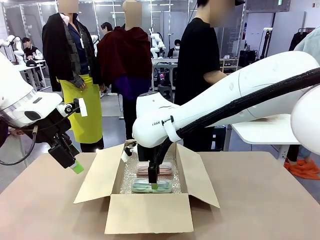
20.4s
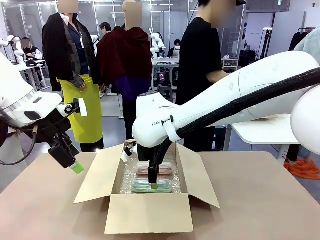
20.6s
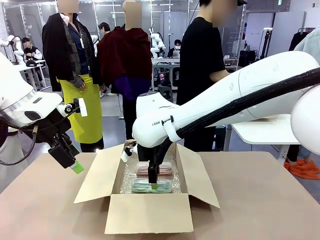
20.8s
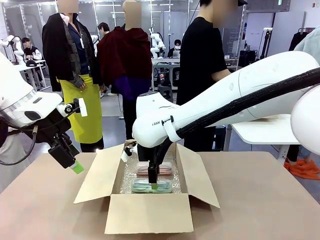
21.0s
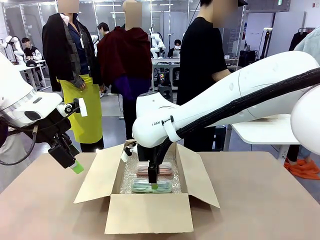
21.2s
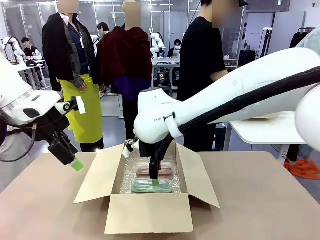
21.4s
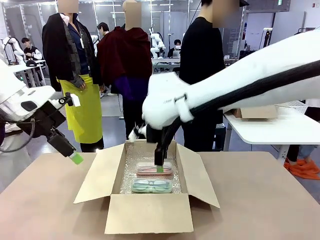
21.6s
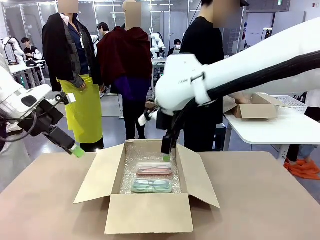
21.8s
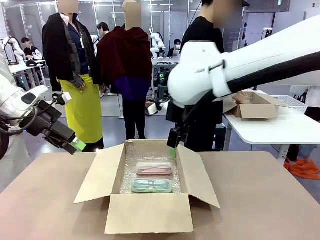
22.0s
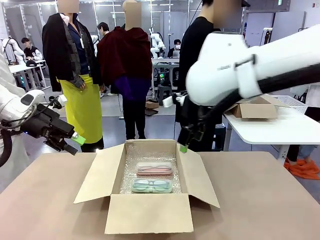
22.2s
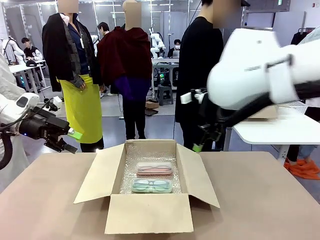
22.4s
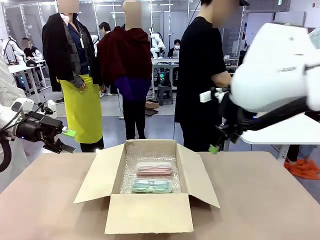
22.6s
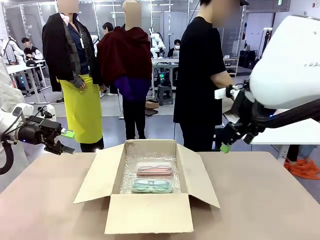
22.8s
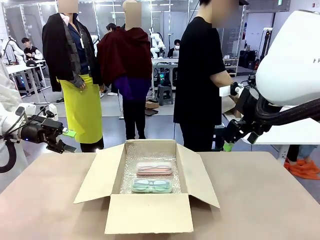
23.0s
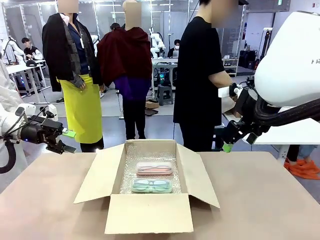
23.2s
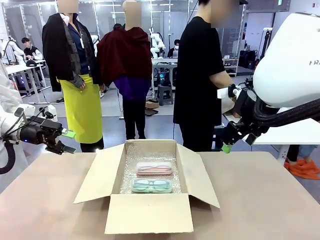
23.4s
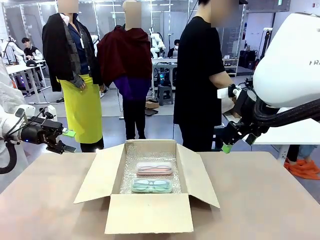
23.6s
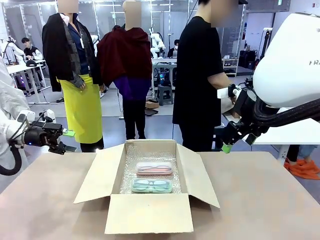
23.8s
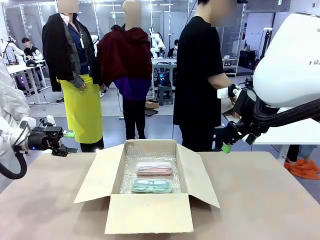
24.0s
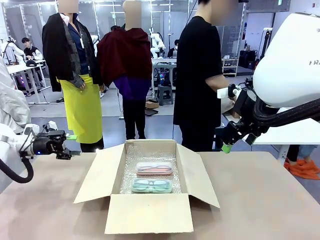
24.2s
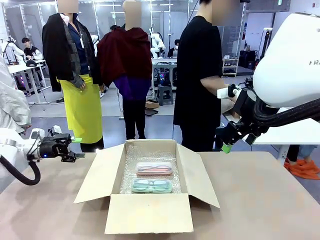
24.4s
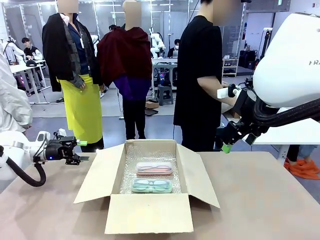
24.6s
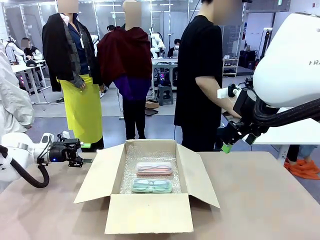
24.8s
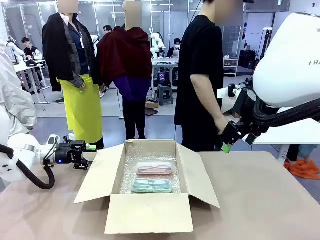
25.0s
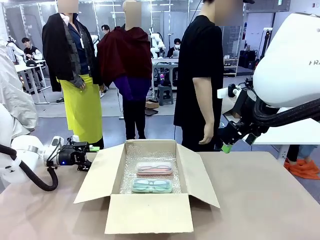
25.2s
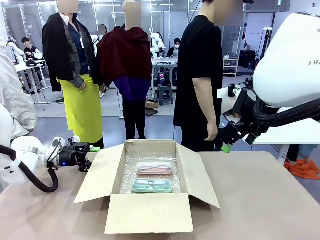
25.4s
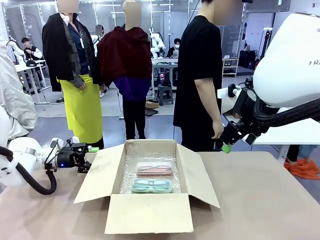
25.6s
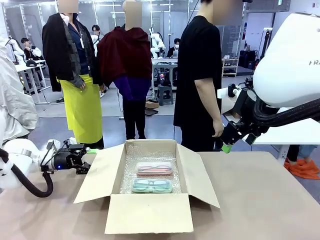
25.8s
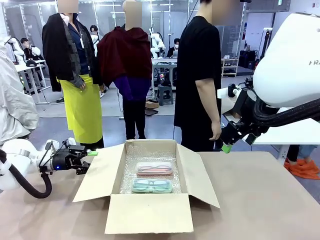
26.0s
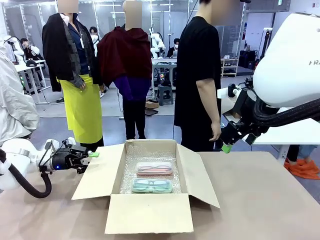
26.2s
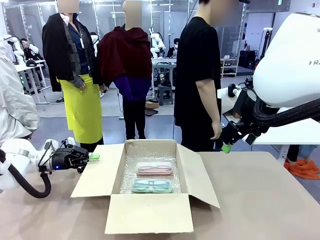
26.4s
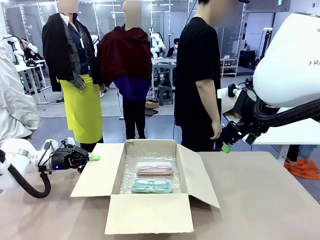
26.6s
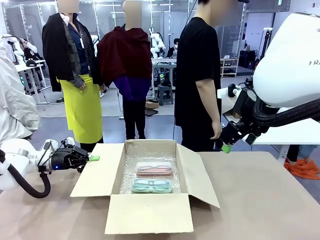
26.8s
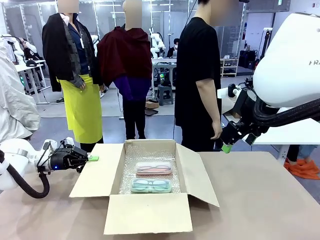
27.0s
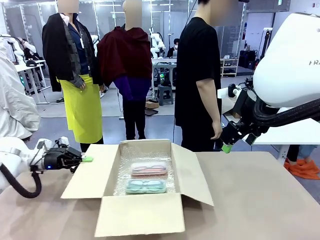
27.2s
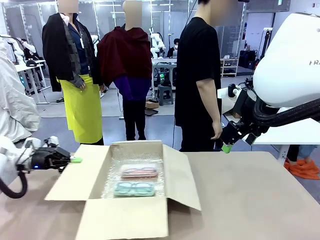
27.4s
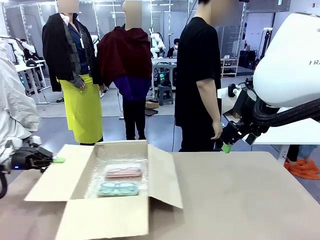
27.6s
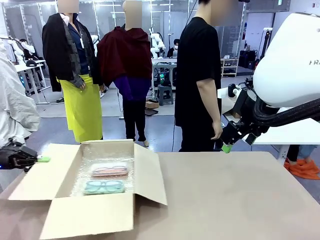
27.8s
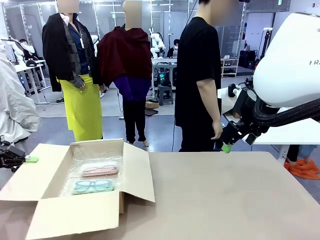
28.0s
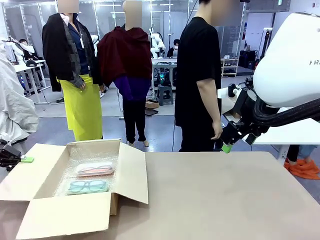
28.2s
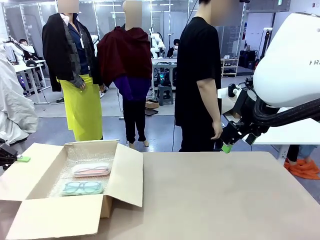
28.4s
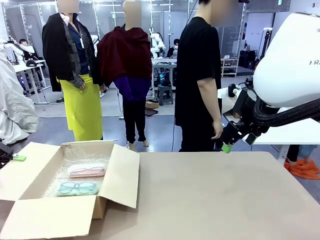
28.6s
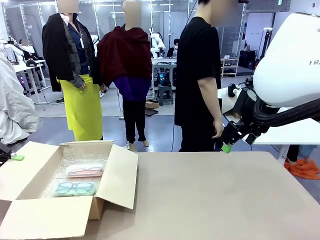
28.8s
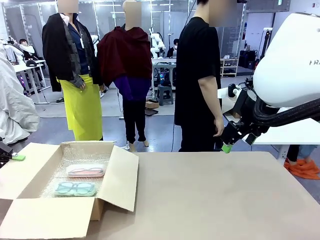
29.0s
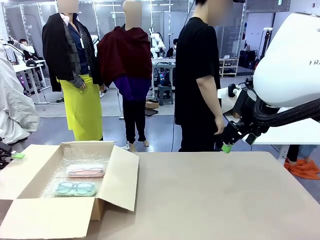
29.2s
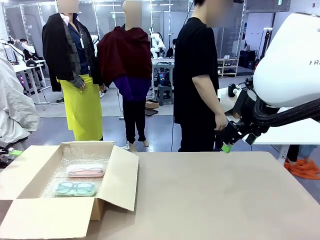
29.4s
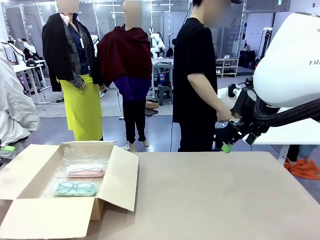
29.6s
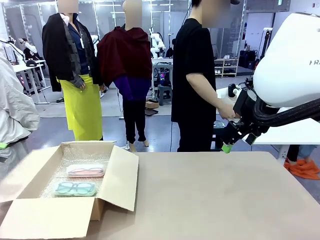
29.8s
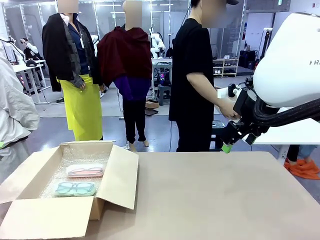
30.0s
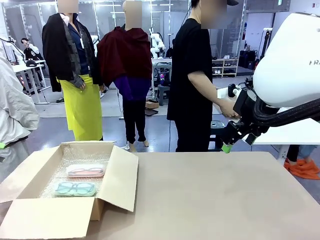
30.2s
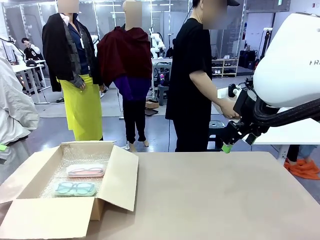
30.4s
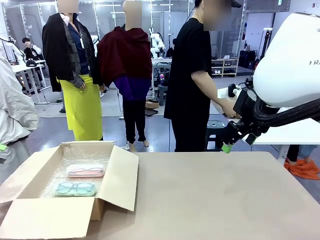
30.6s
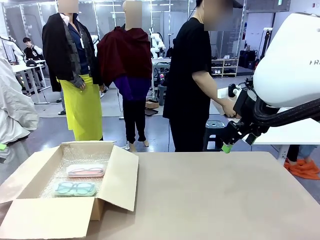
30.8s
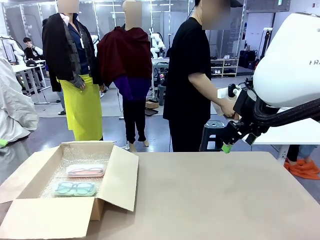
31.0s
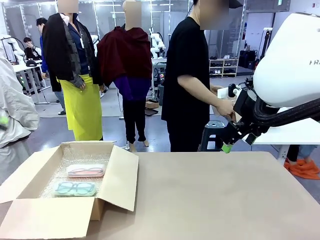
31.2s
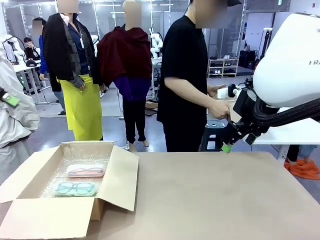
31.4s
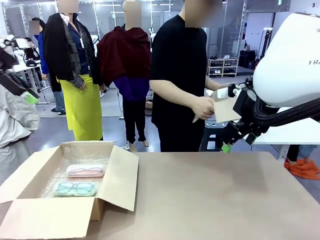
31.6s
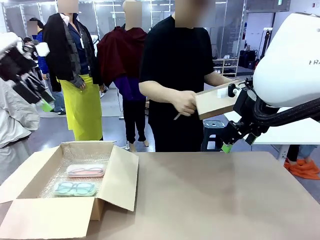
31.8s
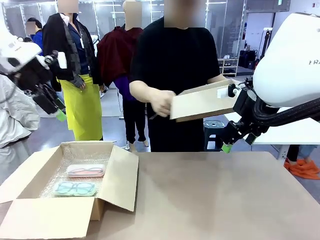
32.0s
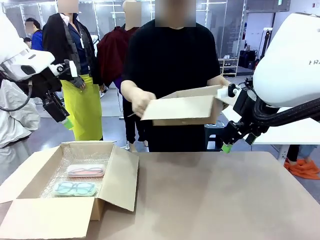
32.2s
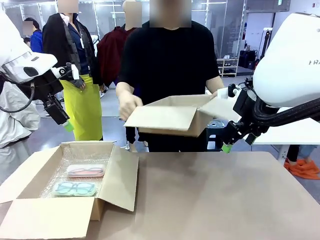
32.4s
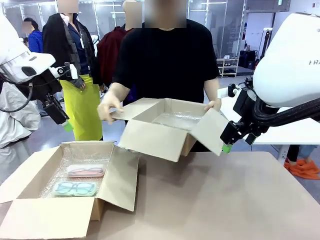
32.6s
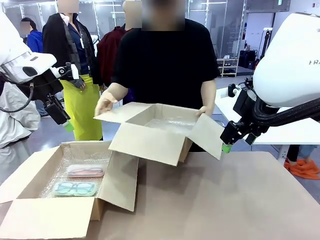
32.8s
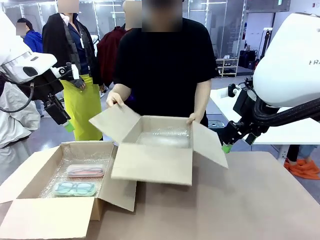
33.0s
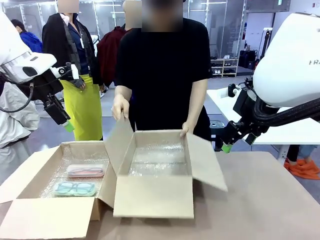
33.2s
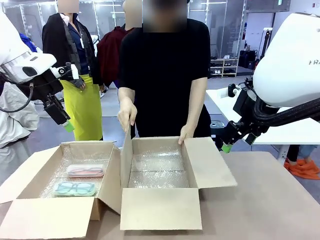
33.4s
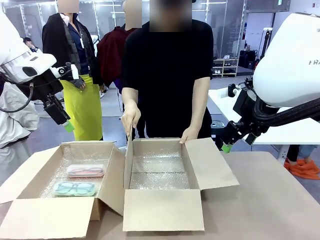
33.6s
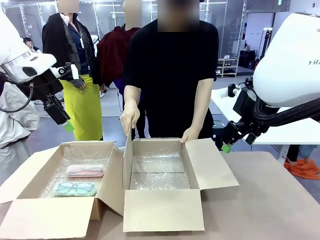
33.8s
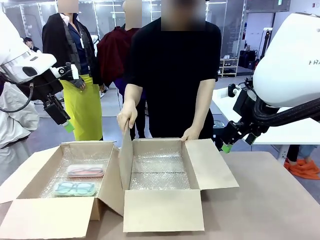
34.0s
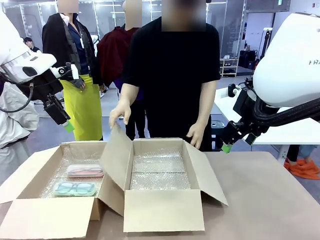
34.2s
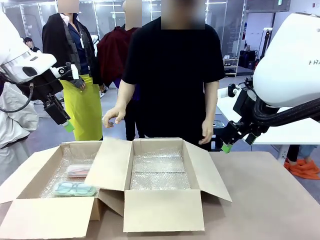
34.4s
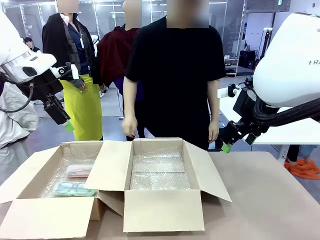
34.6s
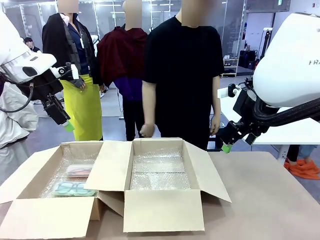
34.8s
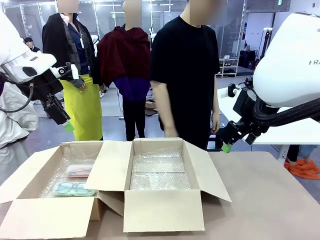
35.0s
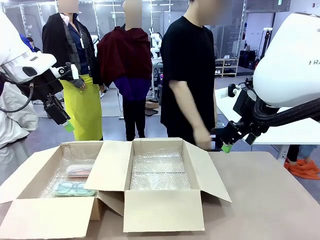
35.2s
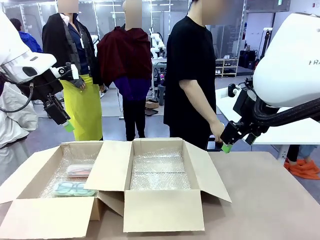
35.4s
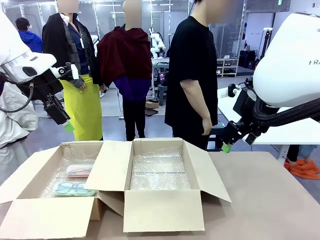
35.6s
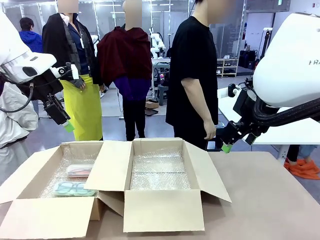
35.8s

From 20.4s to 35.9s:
Task: Pack the glasses set securely to prepare it for shipping.
Robot: Position the Package Box on the left side of the table.
Person: Position the empty Package Box in the middle of the robot's table.

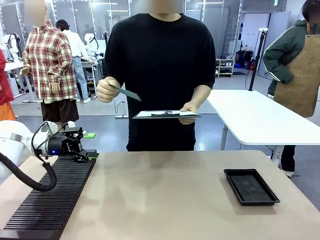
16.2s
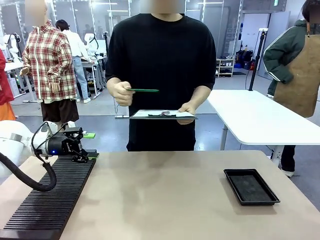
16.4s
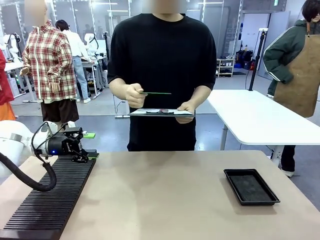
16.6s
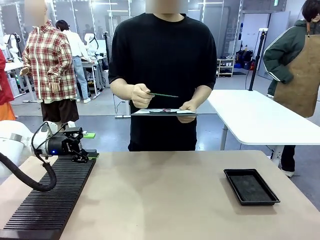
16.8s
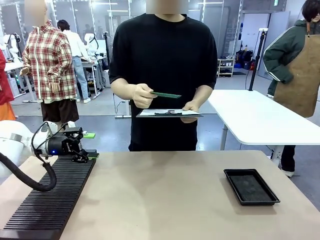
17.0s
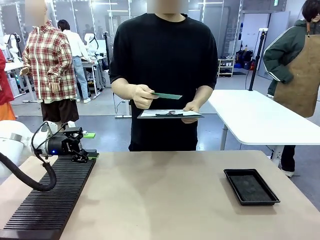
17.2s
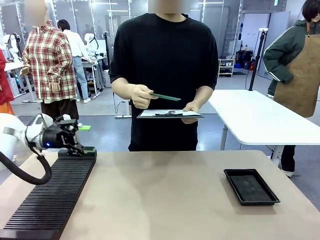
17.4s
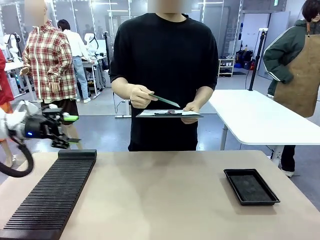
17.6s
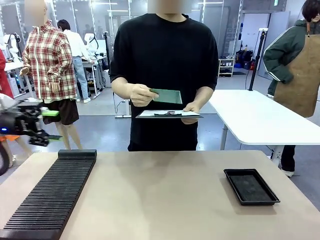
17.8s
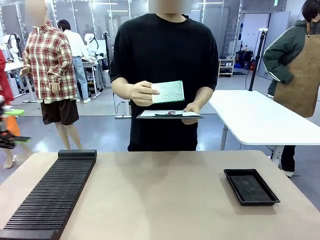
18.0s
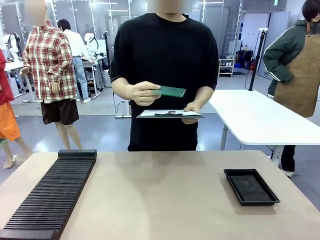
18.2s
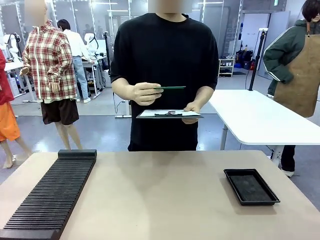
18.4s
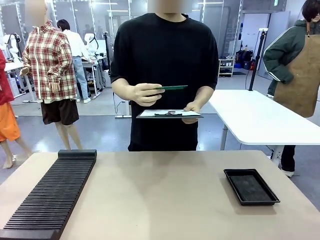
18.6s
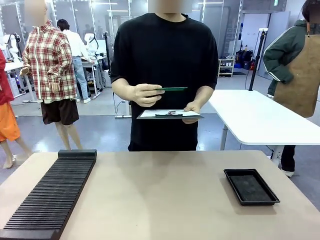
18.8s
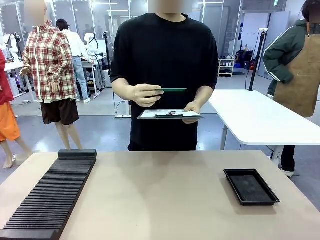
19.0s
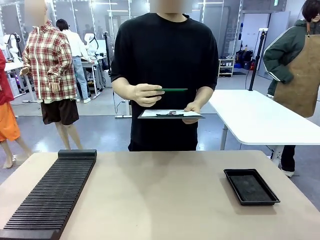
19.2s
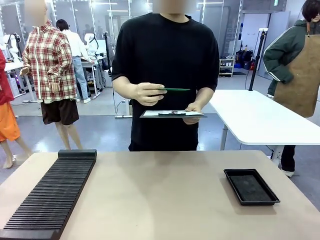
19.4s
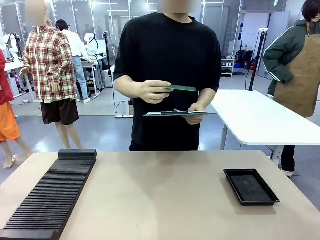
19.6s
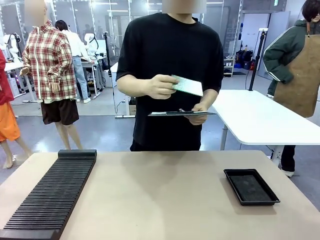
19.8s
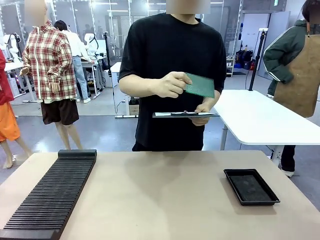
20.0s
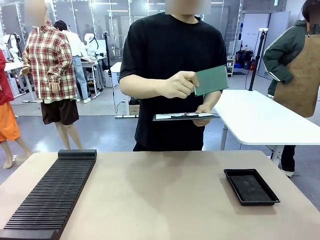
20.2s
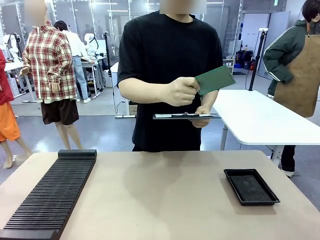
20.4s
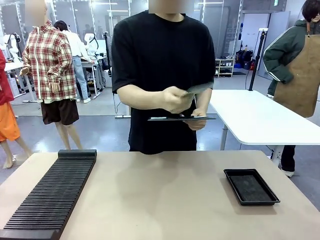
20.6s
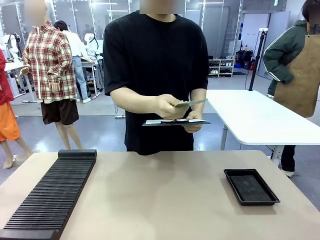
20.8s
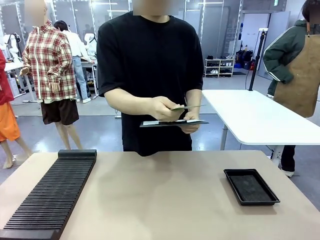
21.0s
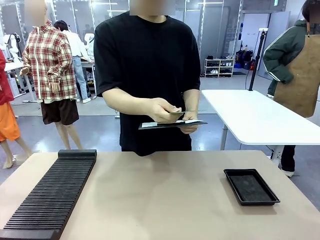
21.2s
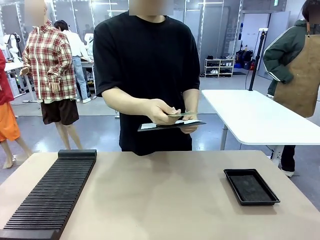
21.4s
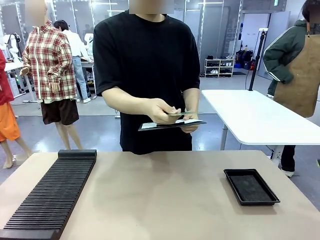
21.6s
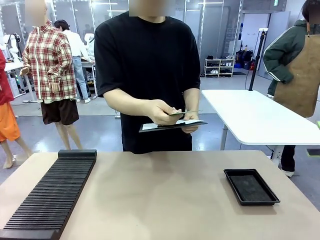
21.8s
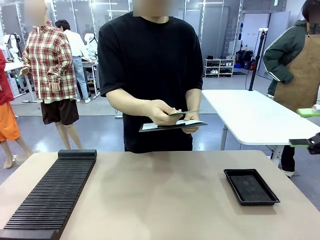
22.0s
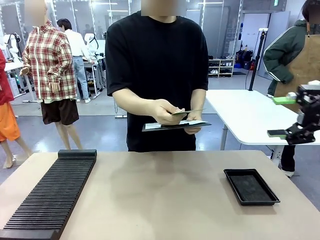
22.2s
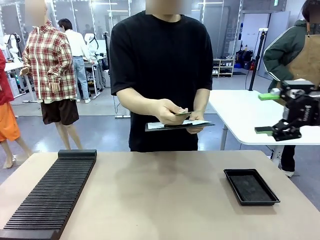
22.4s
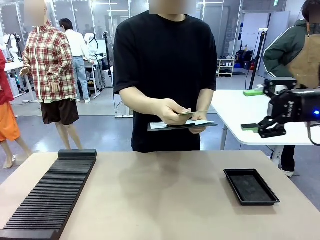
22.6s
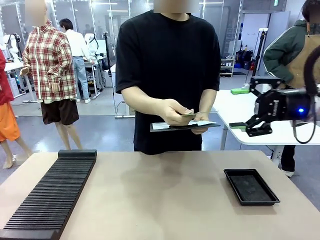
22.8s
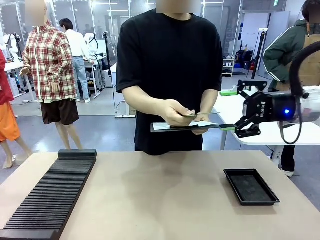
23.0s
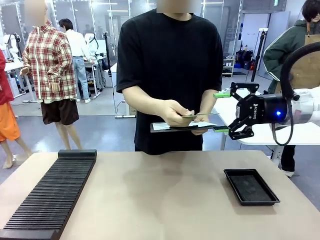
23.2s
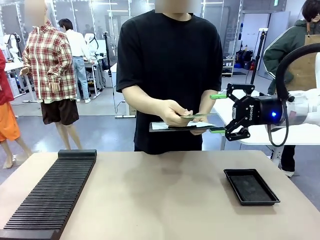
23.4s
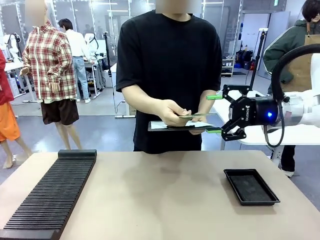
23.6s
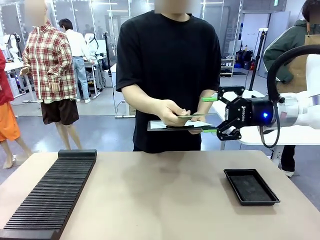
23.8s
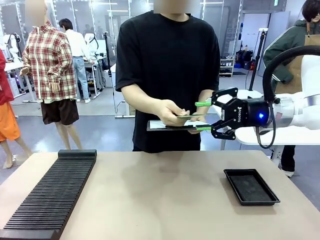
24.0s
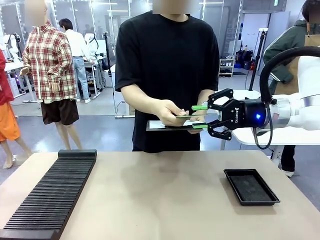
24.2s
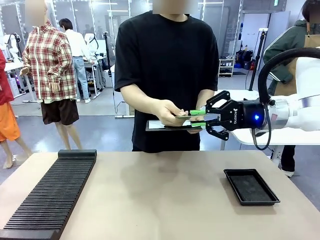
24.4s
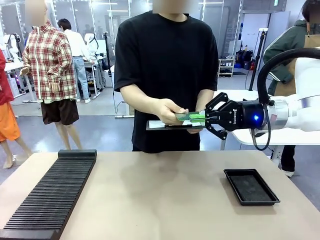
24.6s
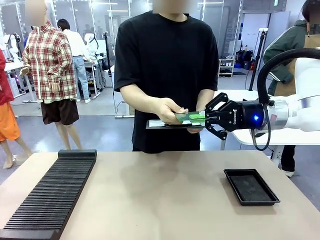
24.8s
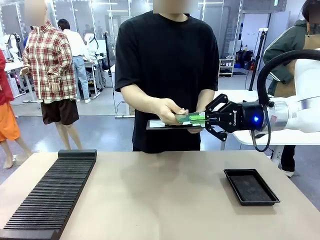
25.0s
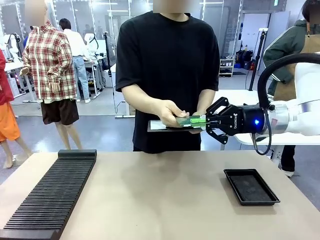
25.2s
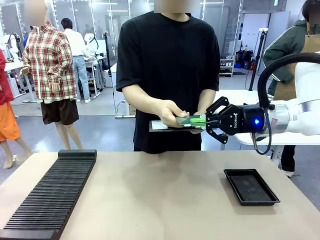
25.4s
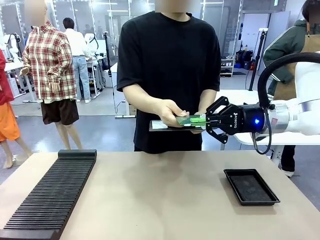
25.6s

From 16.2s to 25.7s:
Task: Inspect the PCB.
Robot: Pick up the Blank PCB that the human is holding.
Person: Inspect the PCB placed by the robot, then hold it out in front of the robot. Release the PCB you were holding.
